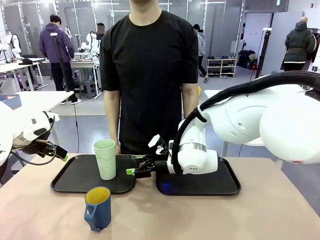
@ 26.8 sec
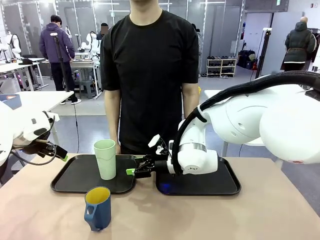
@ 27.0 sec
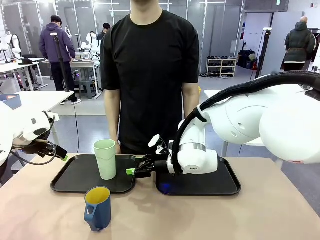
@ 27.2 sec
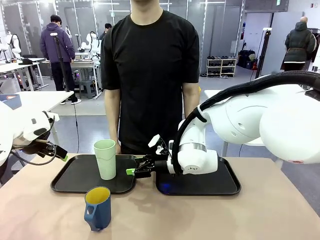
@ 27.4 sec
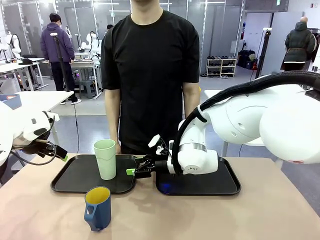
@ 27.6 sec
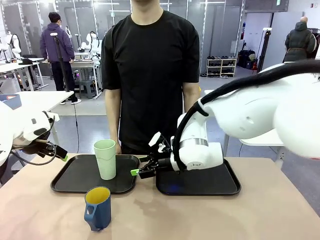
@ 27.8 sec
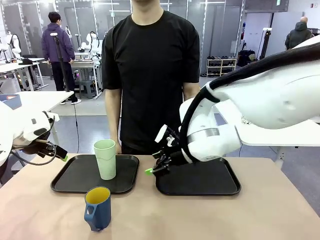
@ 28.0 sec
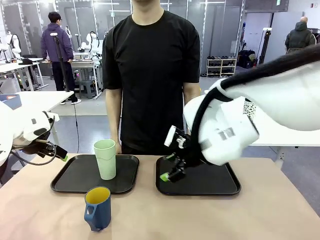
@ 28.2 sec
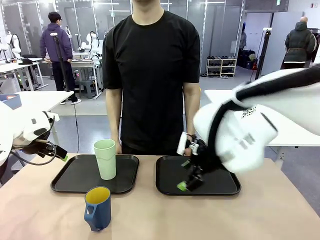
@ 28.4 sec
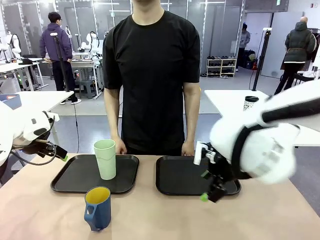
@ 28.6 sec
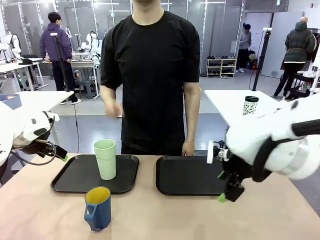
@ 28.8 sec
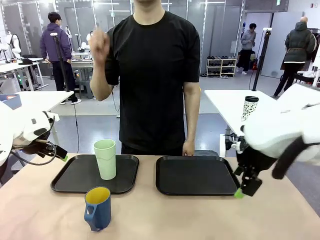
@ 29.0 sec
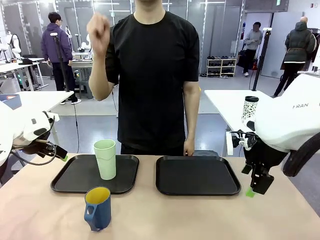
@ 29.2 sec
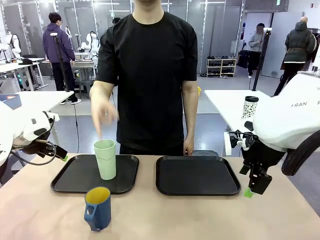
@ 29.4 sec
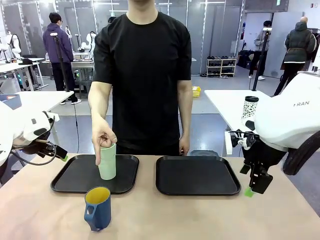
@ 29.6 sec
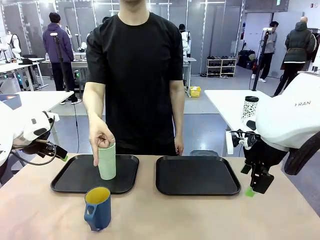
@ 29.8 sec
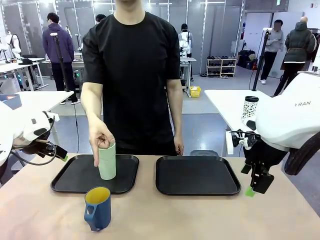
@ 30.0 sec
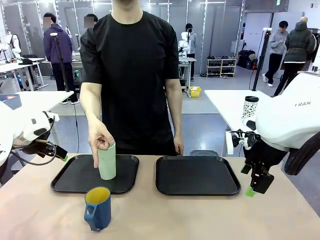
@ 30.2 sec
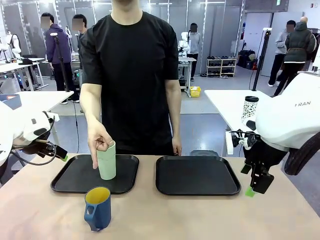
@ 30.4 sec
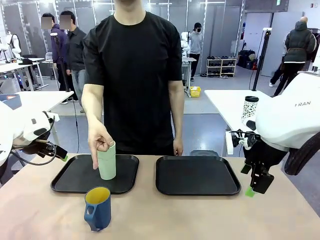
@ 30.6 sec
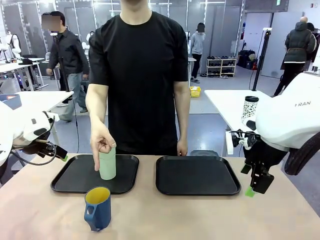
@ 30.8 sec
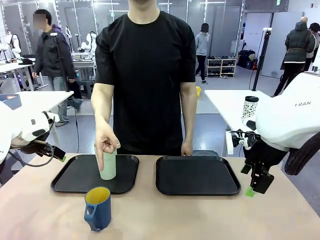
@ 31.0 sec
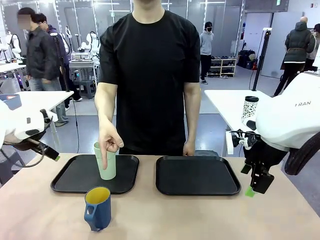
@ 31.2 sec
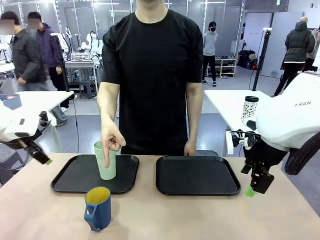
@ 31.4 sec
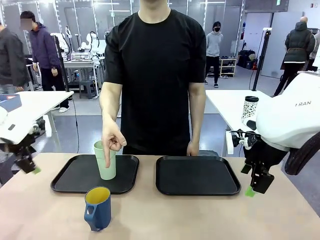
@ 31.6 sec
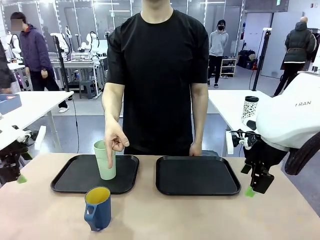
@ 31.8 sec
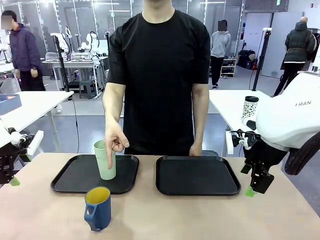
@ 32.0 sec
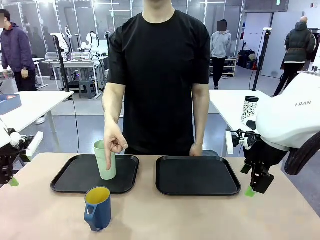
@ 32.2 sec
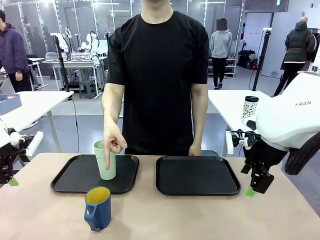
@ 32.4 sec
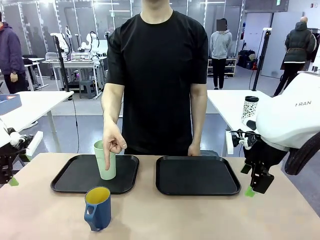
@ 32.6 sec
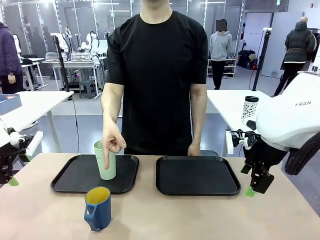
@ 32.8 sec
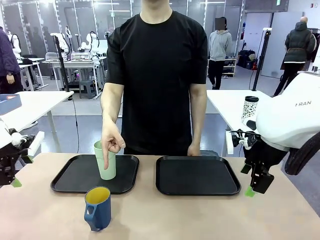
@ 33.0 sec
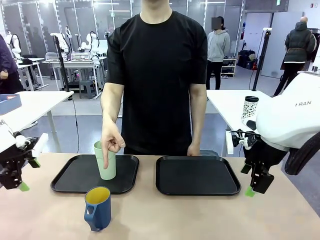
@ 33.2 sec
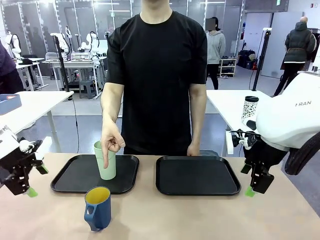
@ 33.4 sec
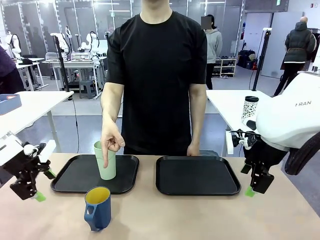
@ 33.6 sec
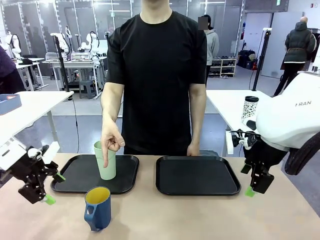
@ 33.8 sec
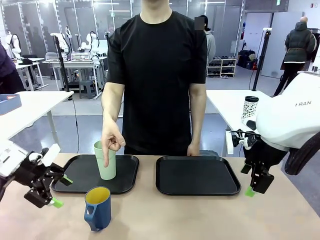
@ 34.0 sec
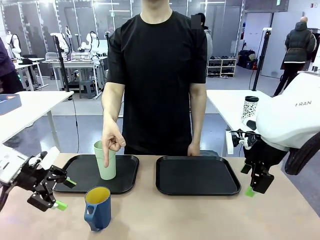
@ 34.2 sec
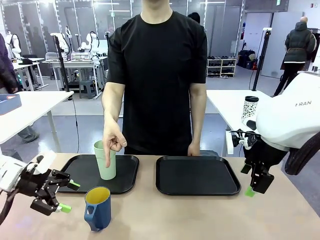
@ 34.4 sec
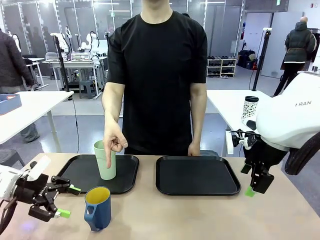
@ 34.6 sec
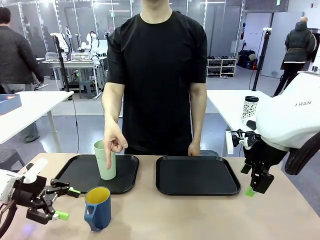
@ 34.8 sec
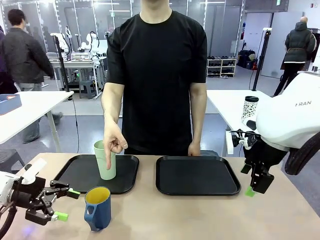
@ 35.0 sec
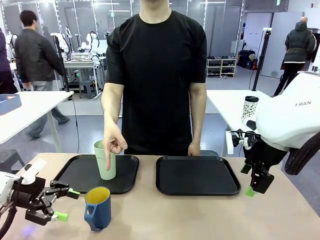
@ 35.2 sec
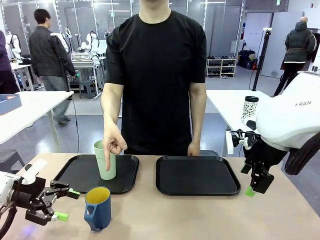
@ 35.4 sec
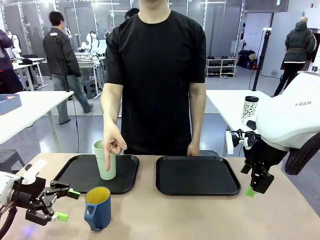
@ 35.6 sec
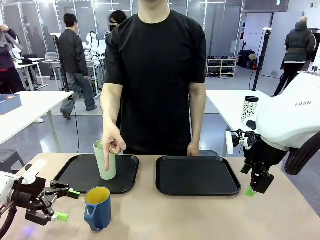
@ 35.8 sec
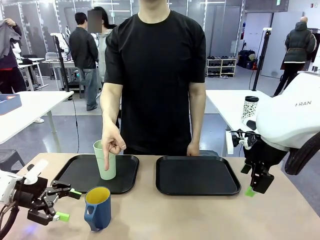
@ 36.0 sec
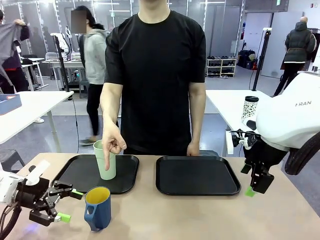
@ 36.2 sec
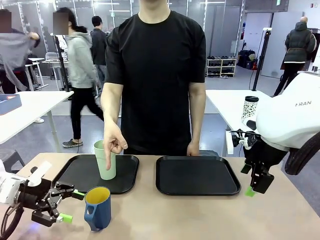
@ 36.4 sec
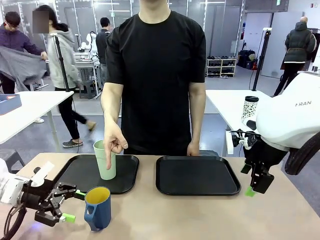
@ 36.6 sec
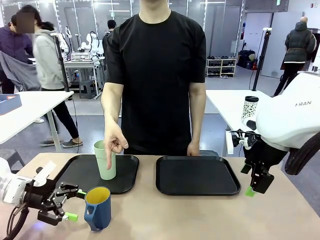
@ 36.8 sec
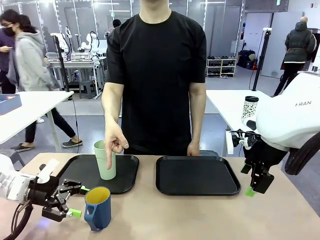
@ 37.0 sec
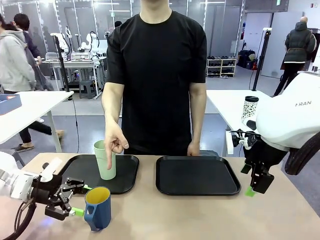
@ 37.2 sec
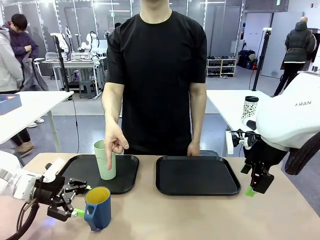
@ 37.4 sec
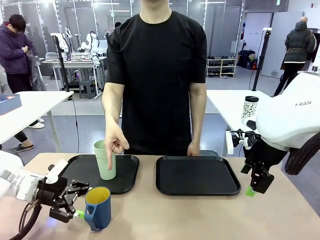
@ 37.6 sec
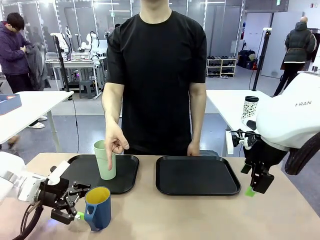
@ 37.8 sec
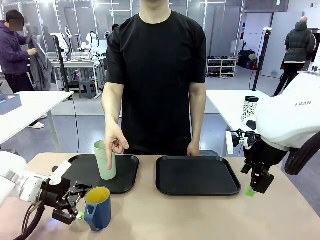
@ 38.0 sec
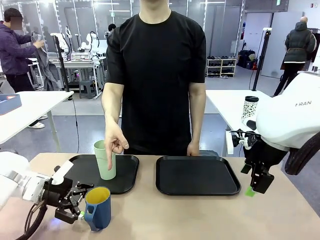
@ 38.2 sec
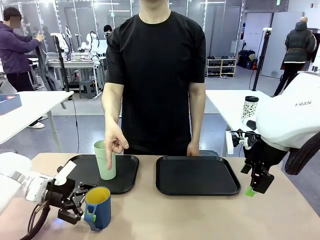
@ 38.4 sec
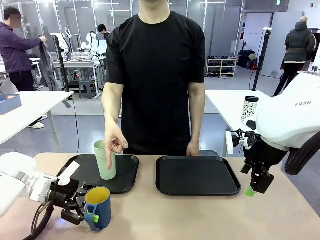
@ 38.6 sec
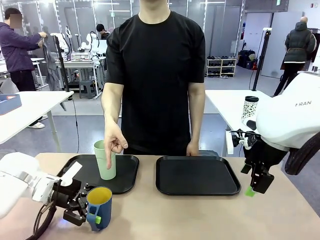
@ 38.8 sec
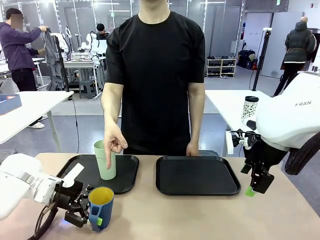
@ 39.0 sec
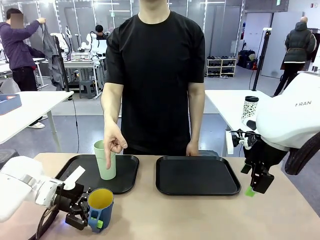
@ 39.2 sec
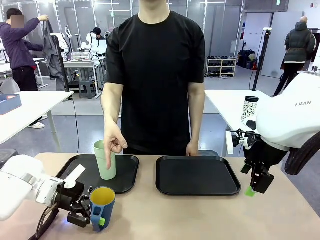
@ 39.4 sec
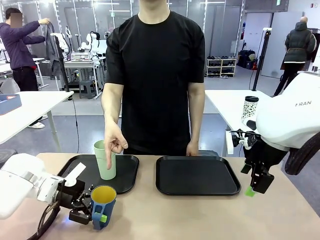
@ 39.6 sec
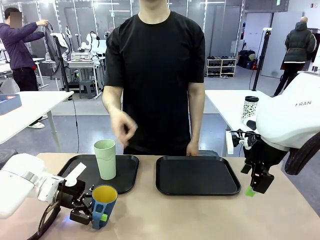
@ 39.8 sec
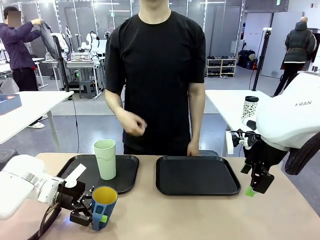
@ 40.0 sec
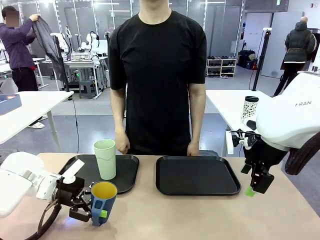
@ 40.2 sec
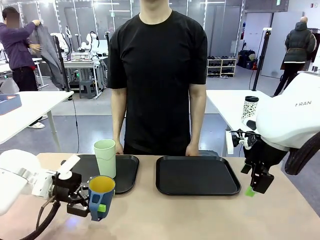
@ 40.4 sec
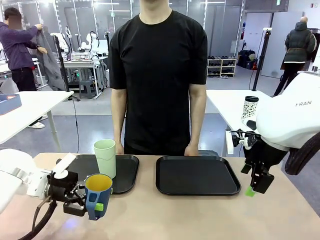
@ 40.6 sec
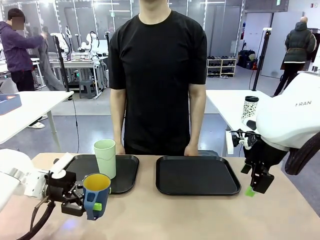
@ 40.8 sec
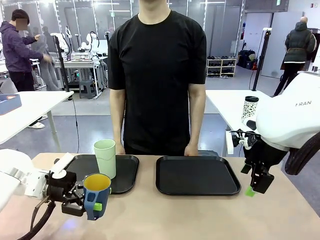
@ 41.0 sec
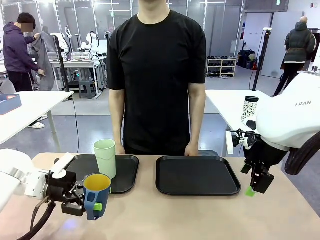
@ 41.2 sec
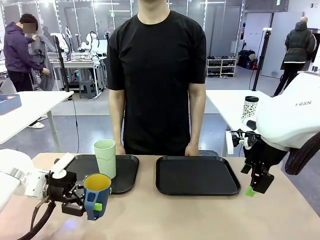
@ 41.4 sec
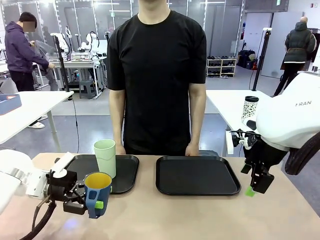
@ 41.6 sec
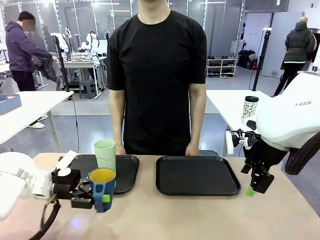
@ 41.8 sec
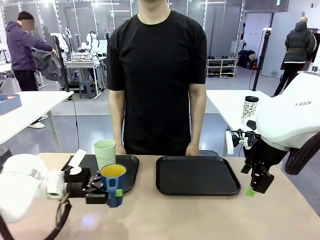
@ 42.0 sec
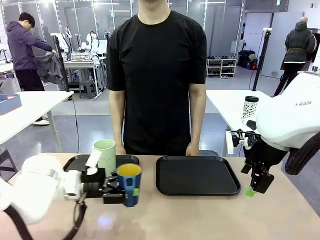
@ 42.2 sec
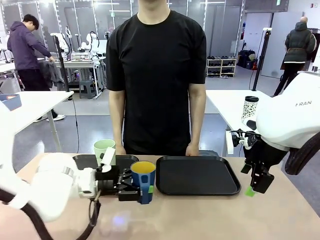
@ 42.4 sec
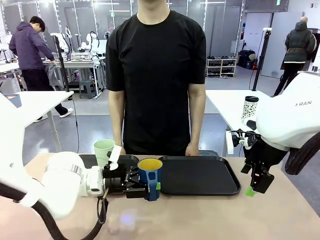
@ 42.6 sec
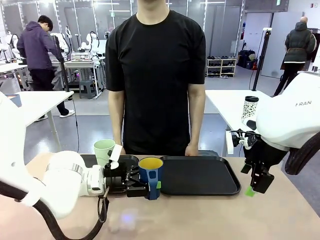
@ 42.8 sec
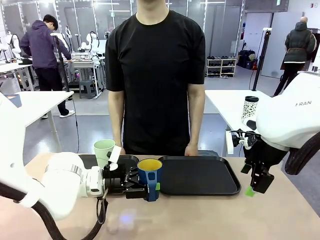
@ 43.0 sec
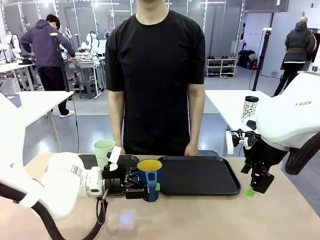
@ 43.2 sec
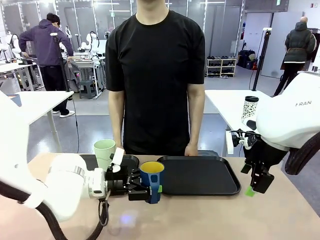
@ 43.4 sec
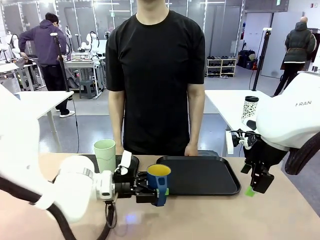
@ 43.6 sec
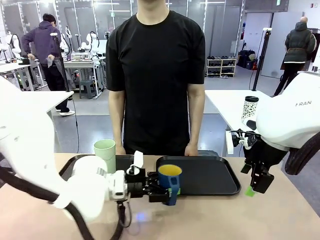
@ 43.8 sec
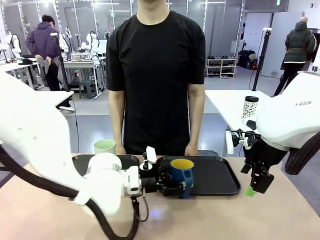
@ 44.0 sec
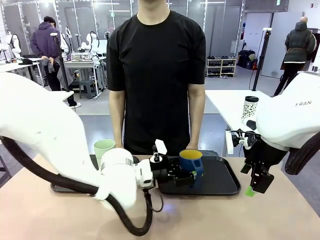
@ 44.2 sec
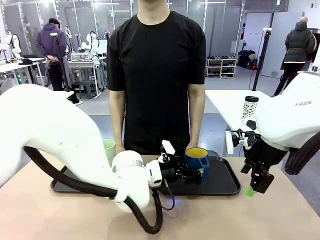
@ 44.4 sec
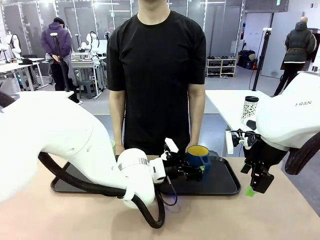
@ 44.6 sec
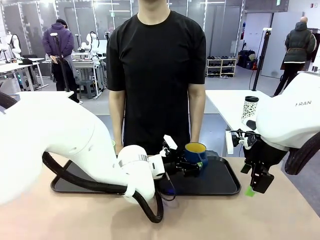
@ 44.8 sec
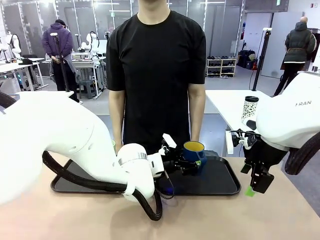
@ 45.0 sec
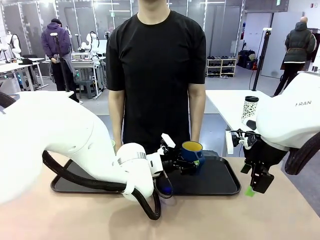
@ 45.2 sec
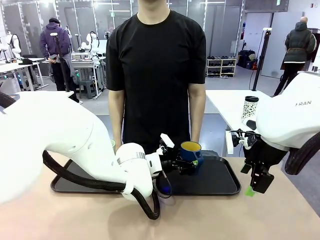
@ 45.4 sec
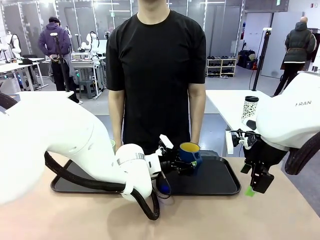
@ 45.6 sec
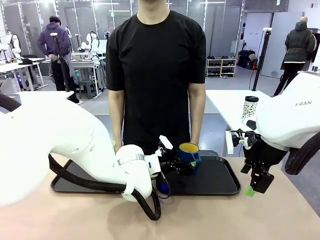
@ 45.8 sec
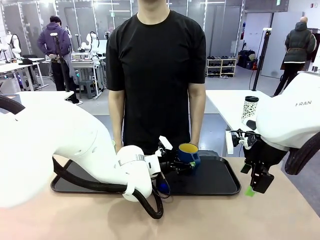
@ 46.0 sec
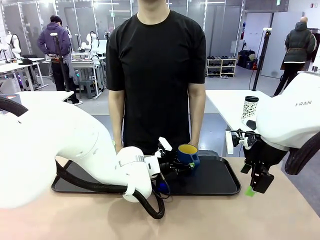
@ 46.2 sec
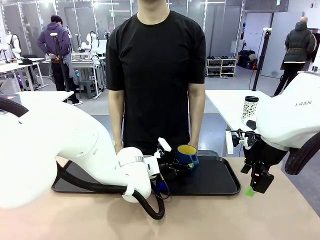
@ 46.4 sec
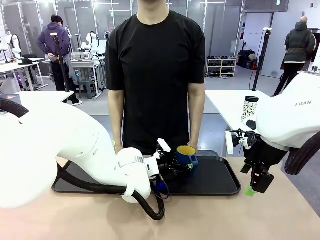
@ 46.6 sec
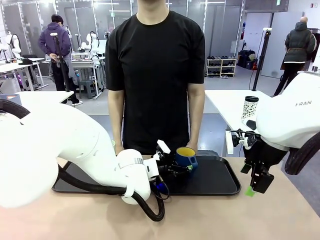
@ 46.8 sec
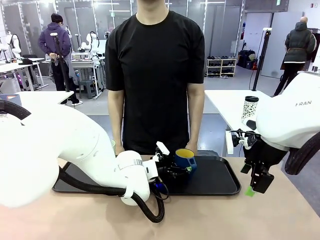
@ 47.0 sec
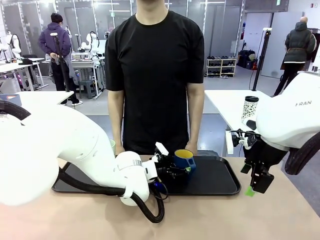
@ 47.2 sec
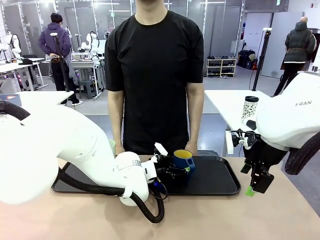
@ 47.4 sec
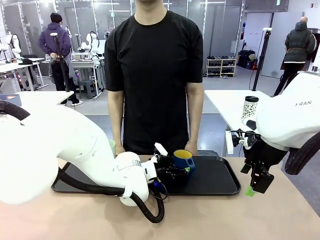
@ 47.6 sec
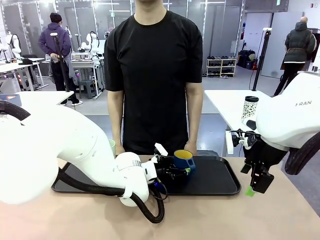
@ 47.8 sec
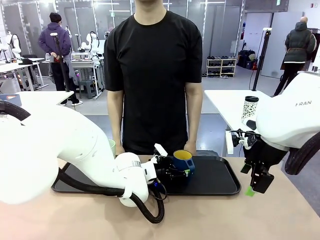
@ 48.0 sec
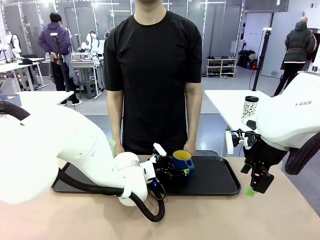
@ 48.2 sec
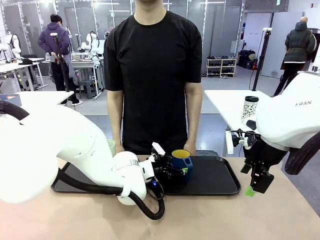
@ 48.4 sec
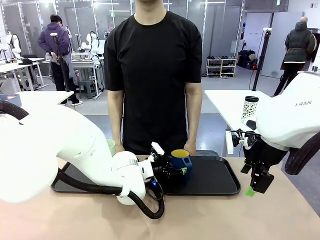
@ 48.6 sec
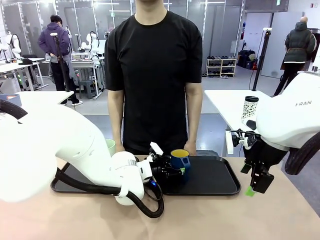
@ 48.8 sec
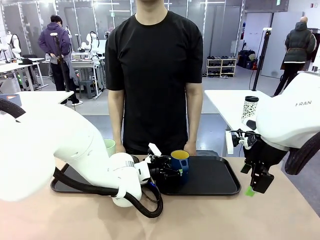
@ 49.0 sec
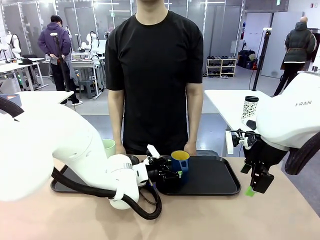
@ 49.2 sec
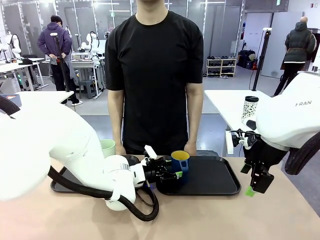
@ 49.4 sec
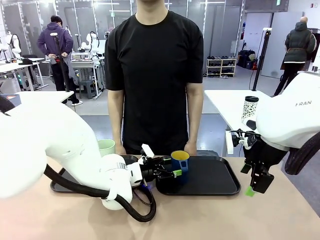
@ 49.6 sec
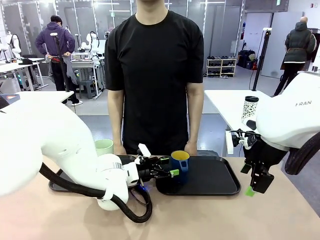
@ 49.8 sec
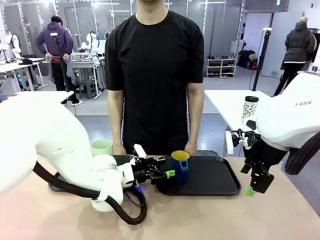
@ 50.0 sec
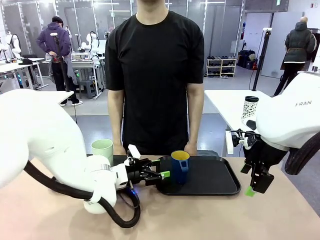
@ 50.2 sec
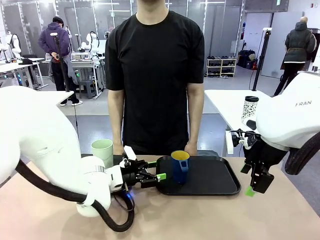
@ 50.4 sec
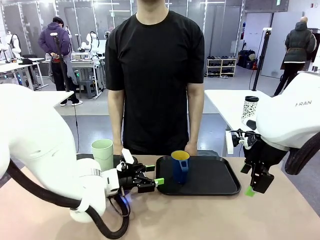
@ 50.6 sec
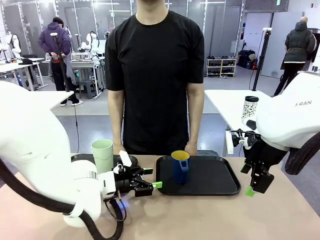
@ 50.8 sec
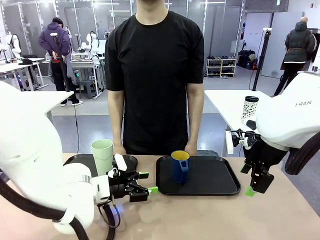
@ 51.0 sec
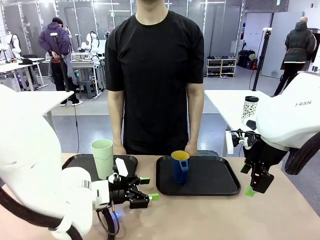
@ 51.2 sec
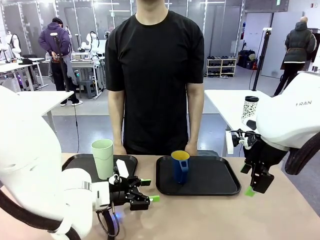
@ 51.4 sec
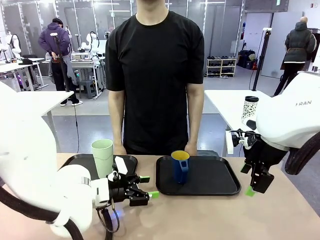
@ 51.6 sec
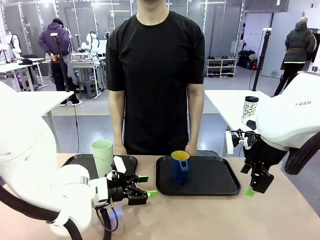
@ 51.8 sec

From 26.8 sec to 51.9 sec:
Task: Sort and store the cups by type.
Robot: Pick up the Handle plastic cup and place it into the empty Flat Tray.
Person: Points to the cup with a handle.
